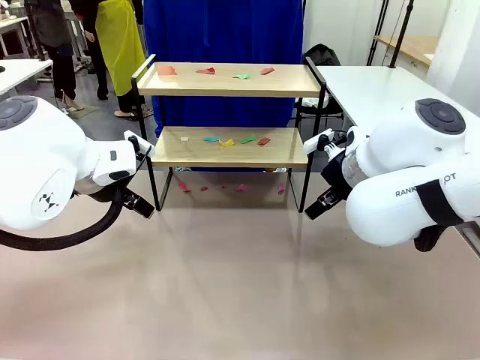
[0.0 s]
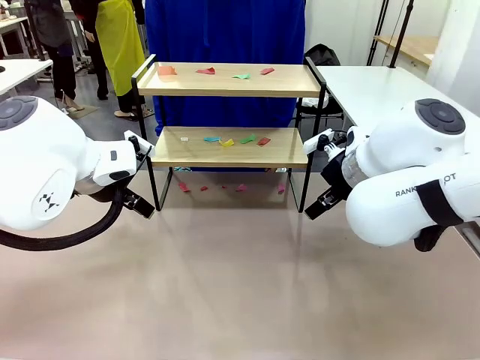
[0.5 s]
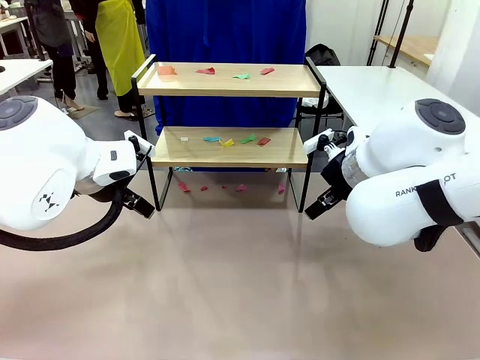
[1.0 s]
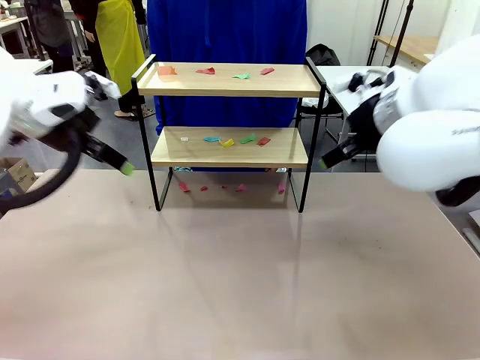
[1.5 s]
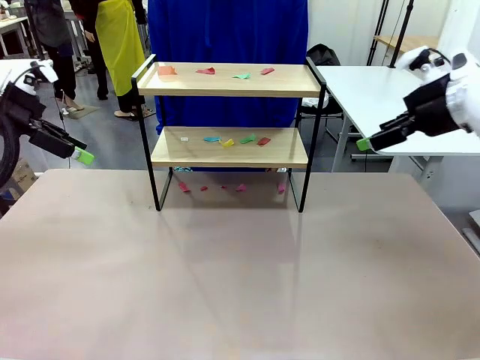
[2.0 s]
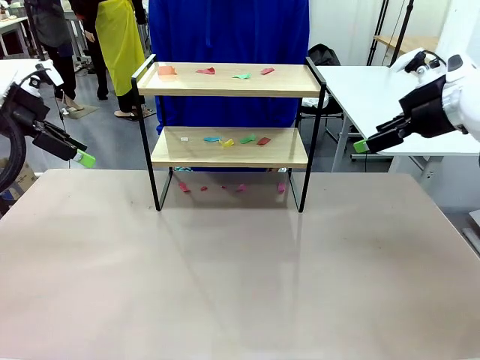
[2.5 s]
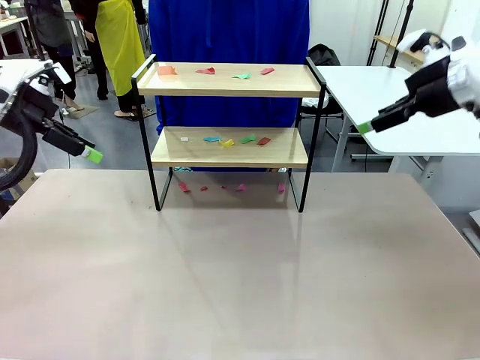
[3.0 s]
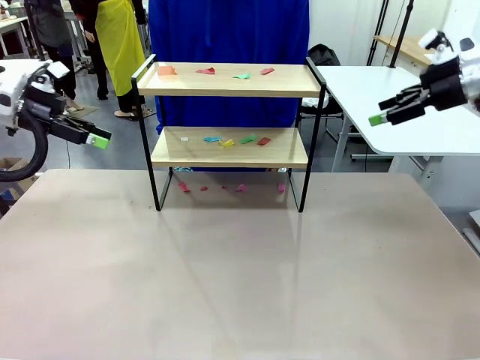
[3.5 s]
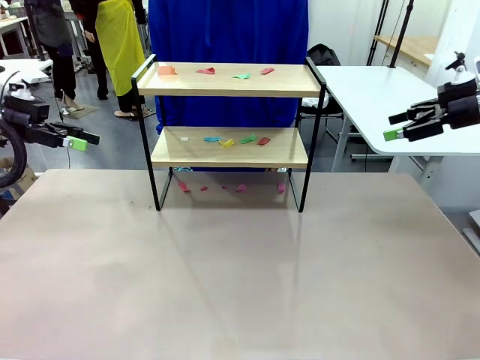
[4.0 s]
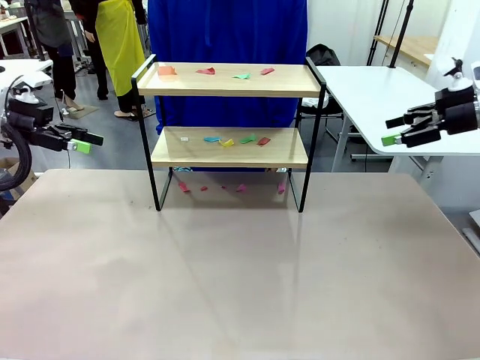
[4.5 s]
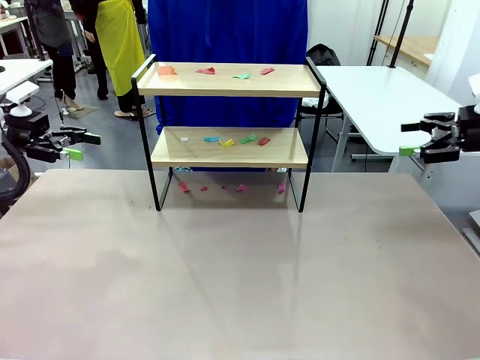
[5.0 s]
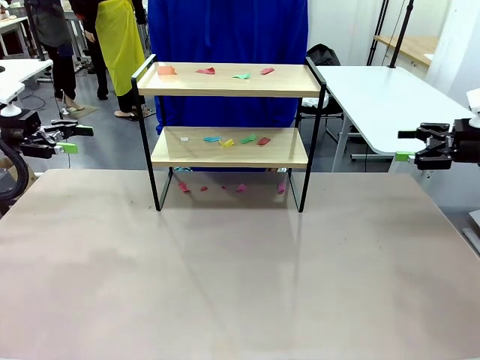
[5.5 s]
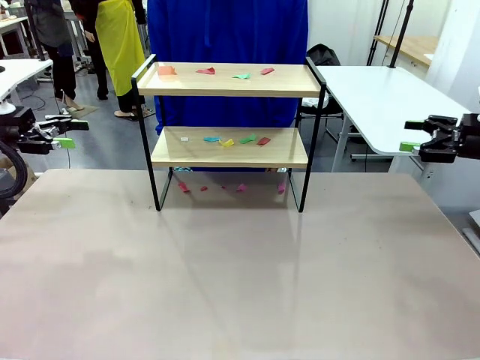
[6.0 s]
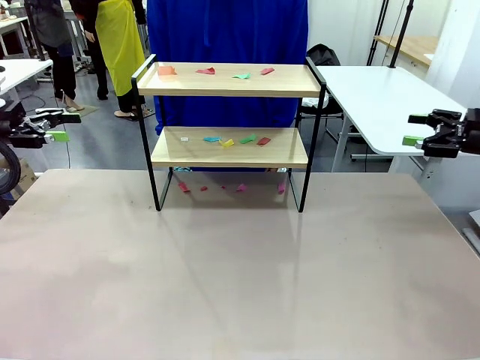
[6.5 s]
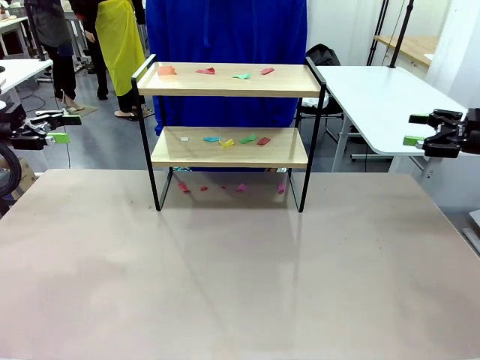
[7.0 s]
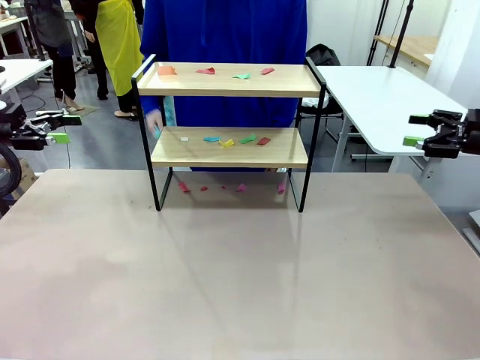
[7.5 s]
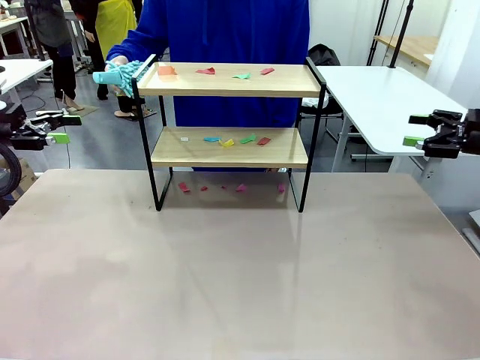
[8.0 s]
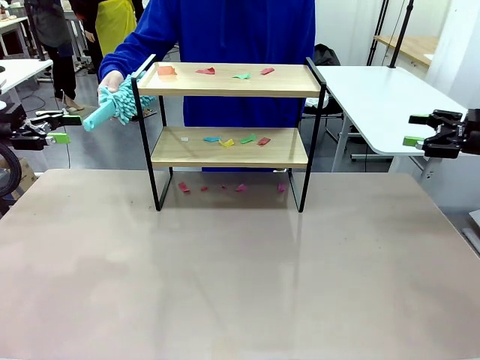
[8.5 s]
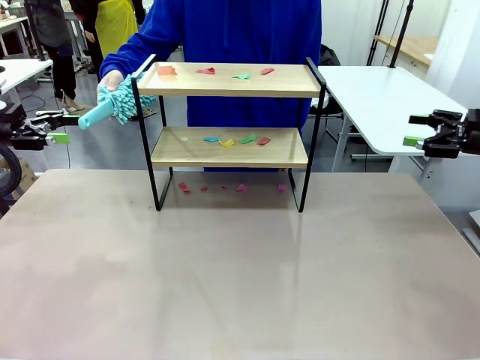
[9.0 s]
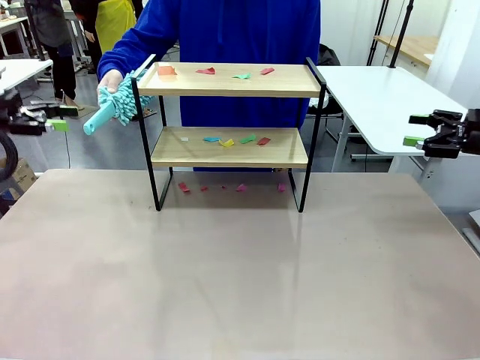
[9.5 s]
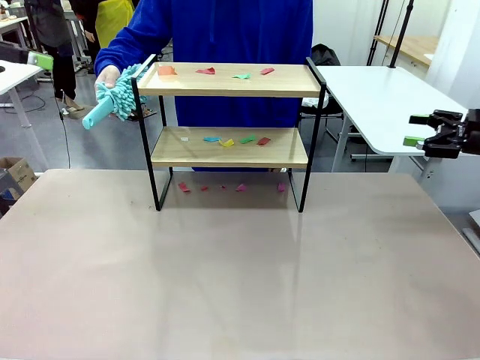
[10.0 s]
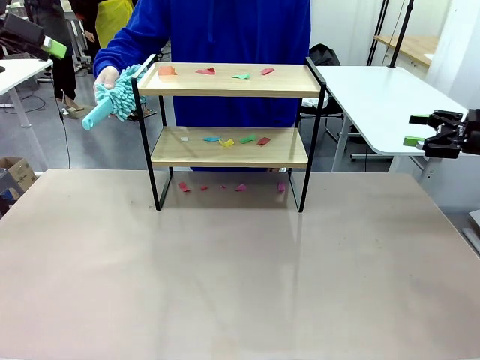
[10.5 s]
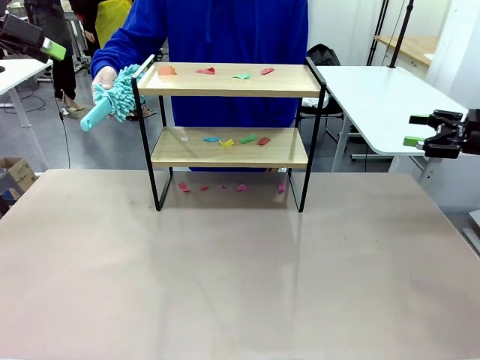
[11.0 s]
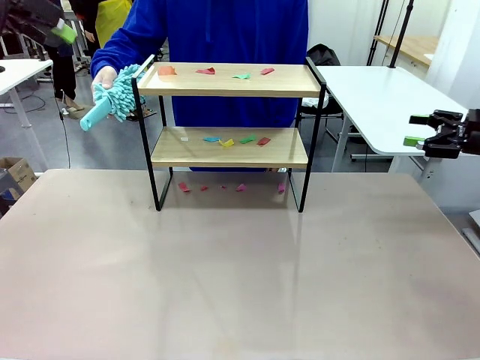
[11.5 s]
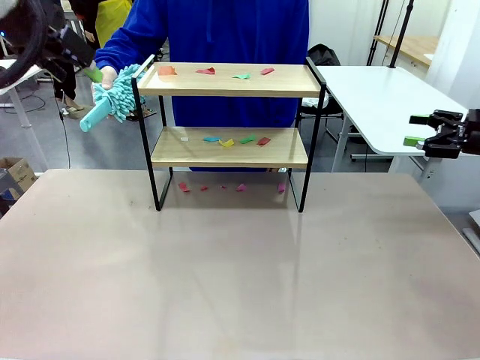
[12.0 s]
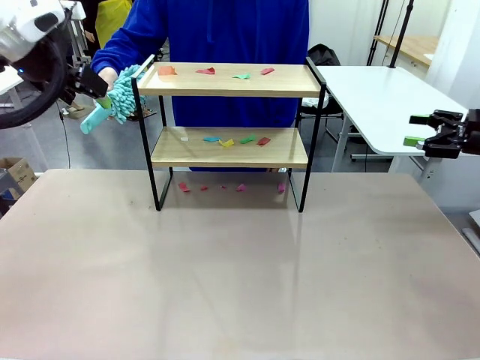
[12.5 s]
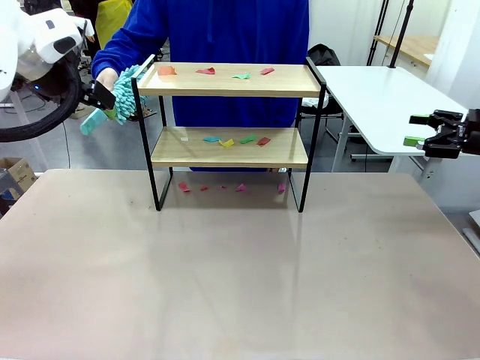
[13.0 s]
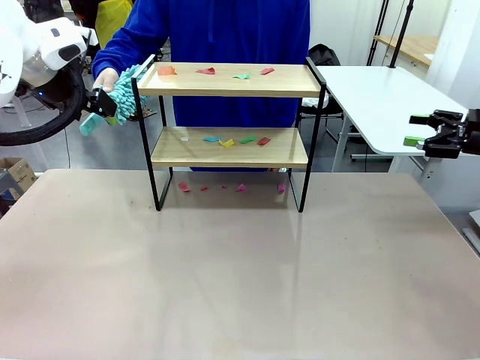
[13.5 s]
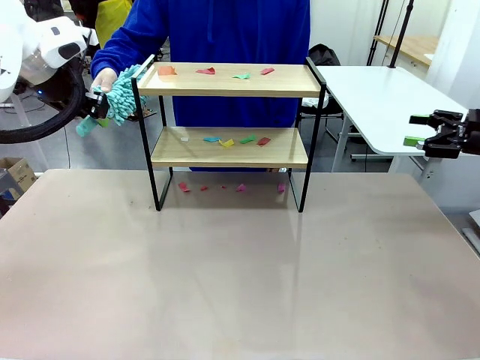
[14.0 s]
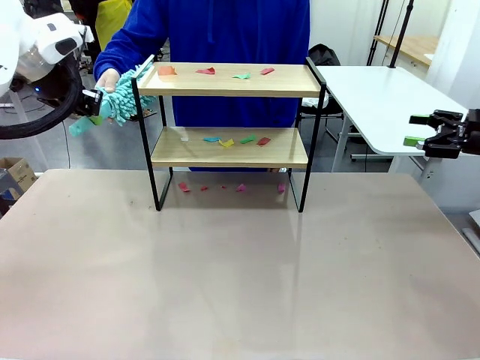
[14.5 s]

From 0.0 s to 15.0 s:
Task: Clean the shelf.
Robot: Pick up the Duster handed by the human.
Person: Hand the Duster to the robot.

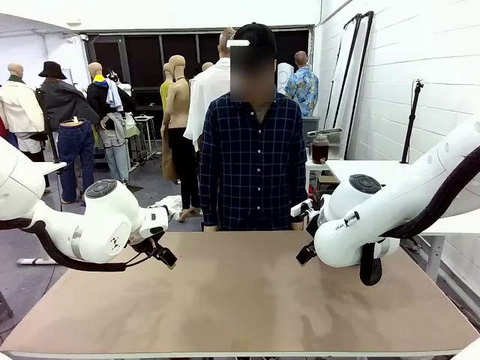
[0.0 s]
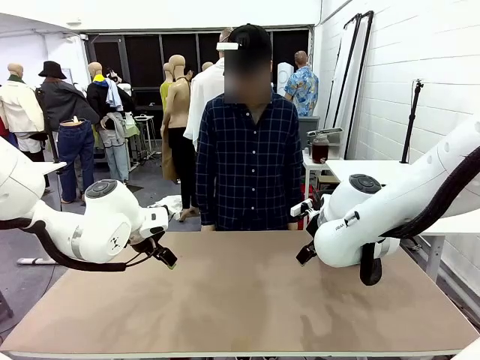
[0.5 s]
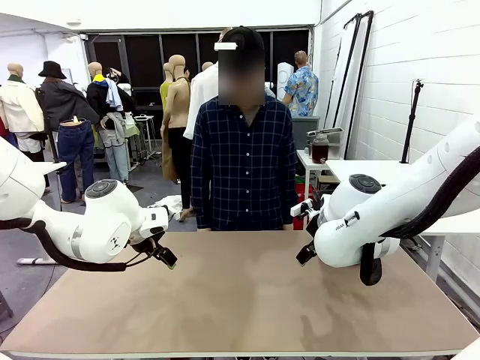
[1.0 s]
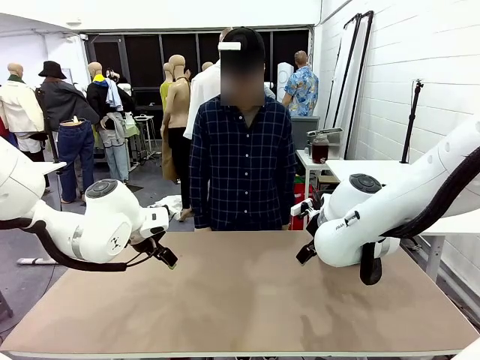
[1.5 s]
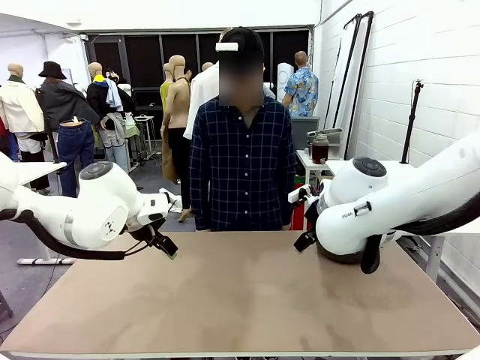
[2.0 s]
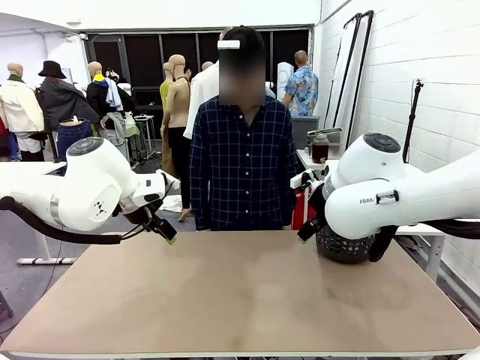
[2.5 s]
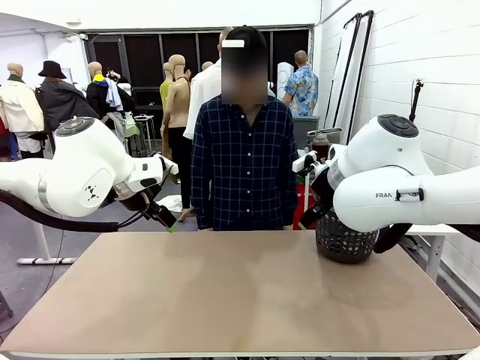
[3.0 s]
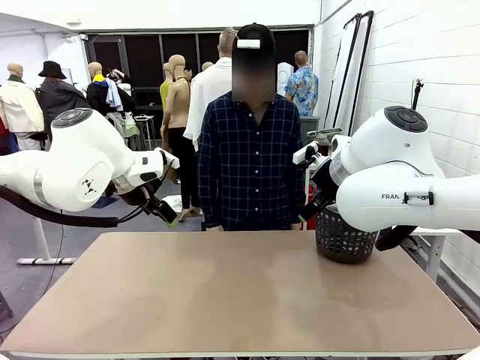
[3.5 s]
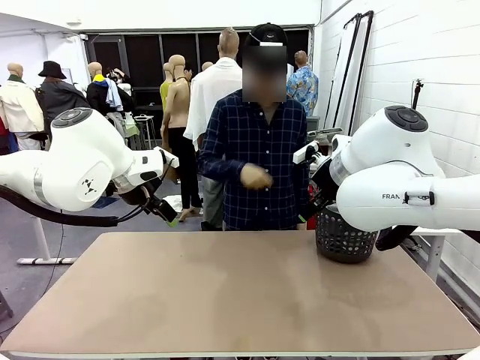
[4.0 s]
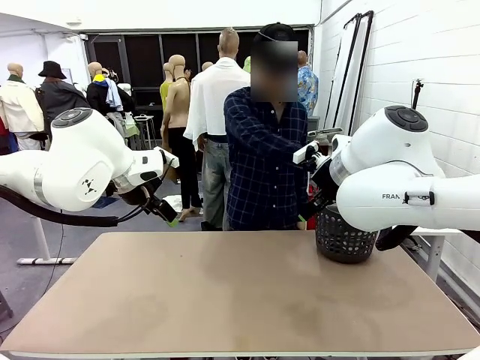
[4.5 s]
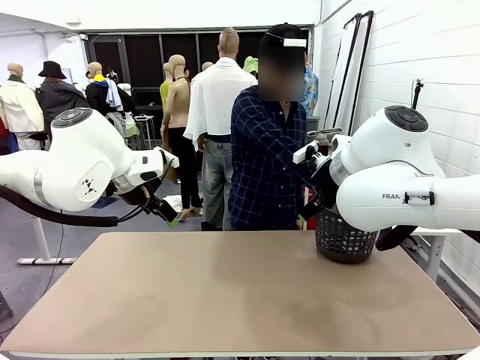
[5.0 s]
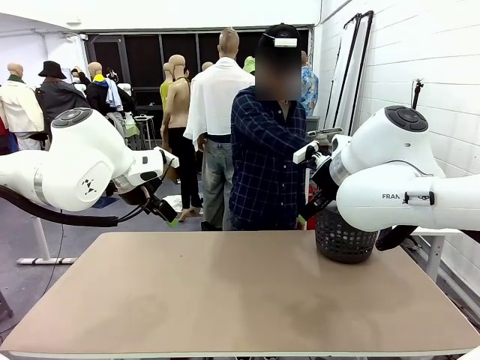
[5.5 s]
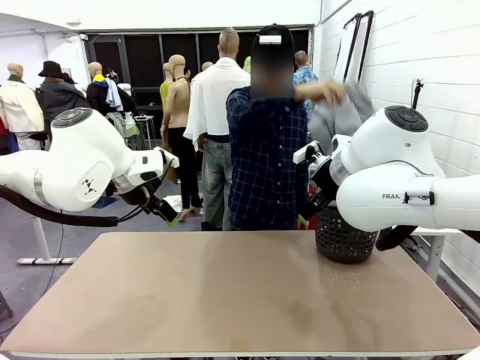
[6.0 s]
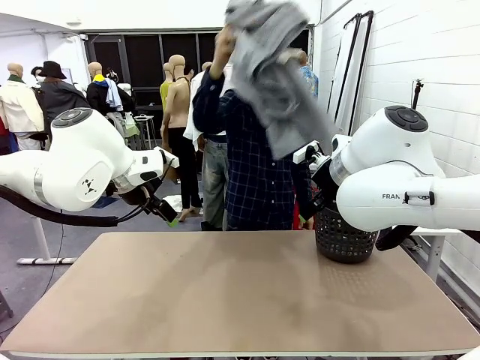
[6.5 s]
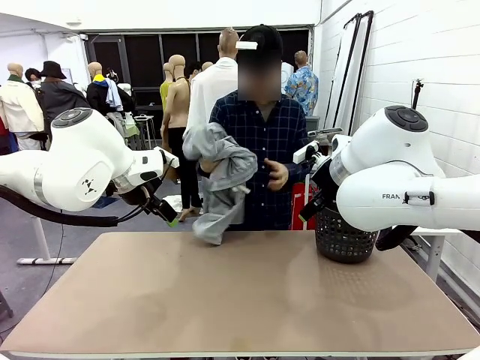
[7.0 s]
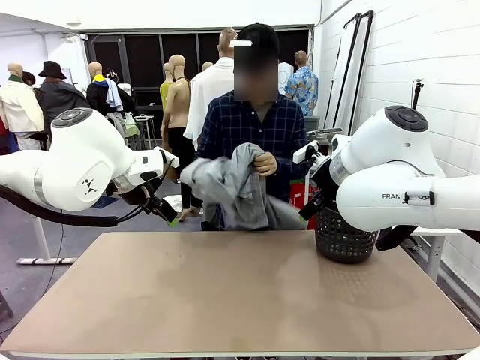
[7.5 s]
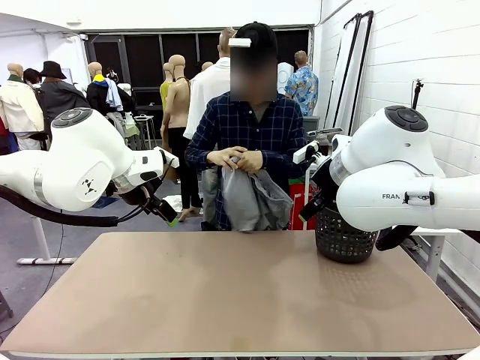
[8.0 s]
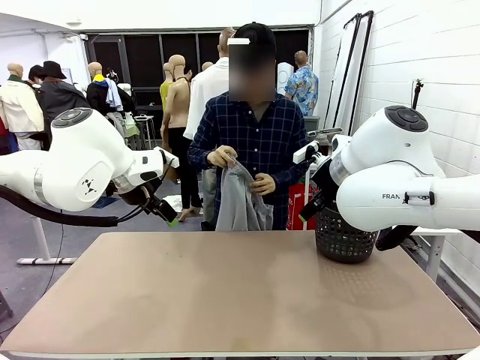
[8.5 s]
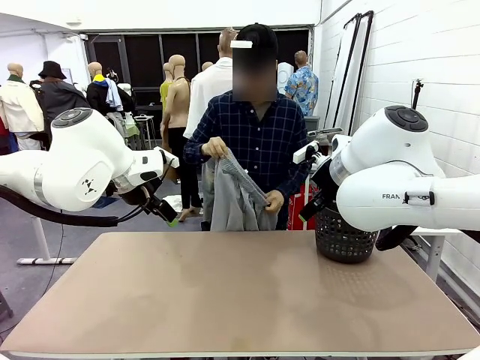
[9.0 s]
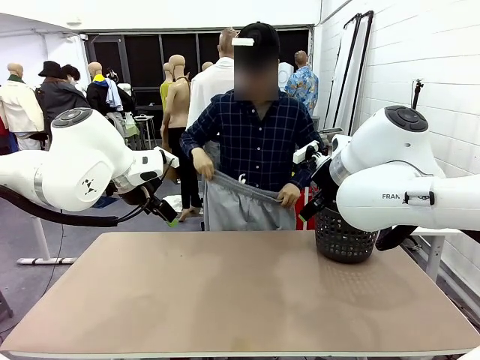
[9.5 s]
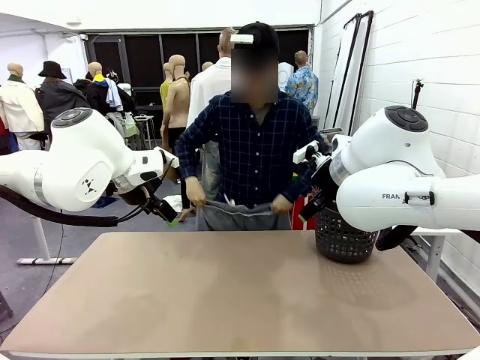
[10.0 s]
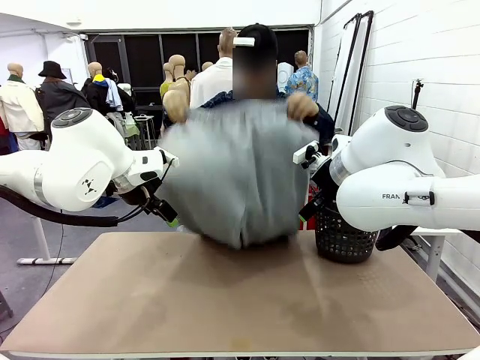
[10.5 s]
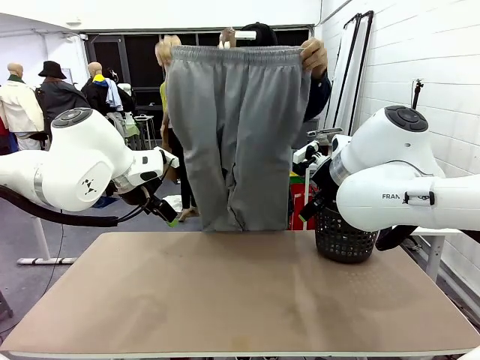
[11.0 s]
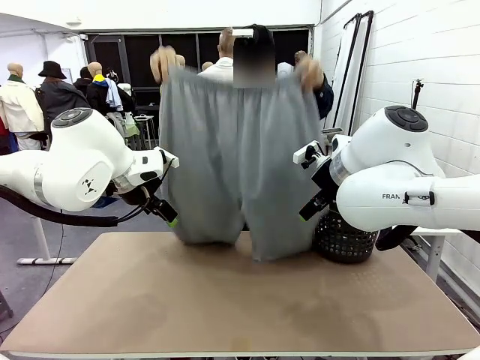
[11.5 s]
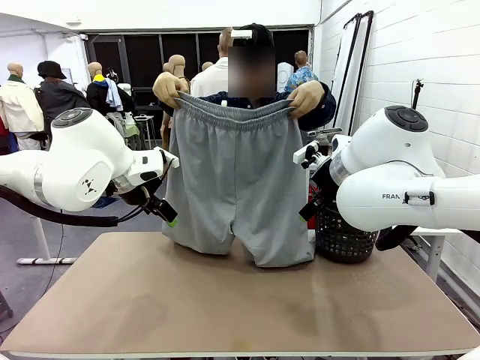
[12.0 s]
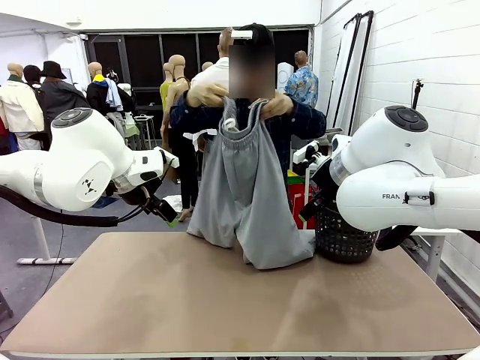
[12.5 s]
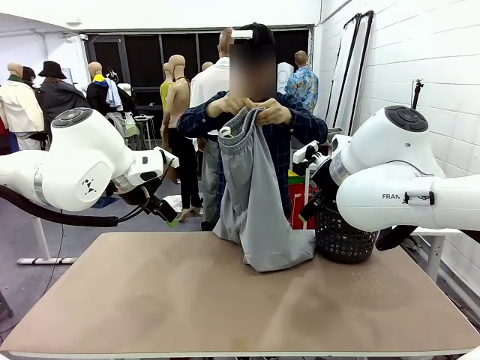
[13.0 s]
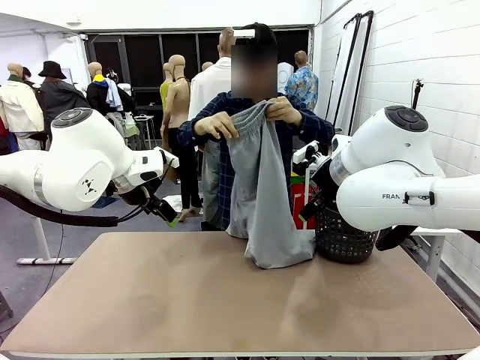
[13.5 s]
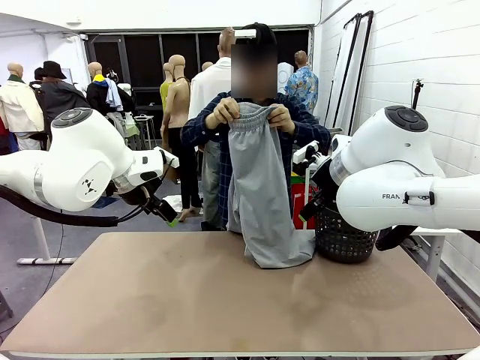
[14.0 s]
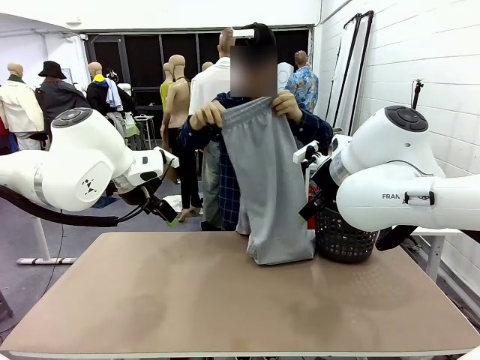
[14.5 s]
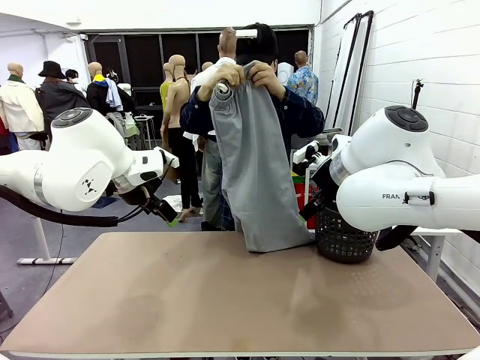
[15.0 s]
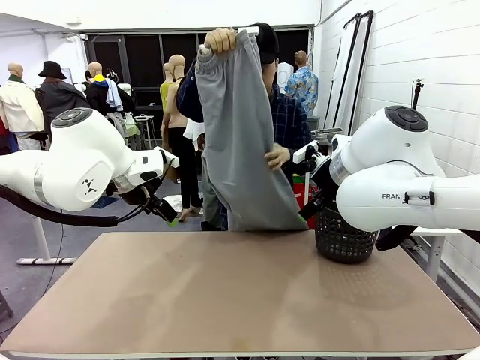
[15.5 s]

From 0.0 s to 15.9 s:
Task: Fold the training pants.
Robot: Grab both ends of the Training pants handed by a person.
Person: Take the long pants out of the laundry basket, unfold them, fold the waist in half, and extend them so the robot can pick up both corners.
